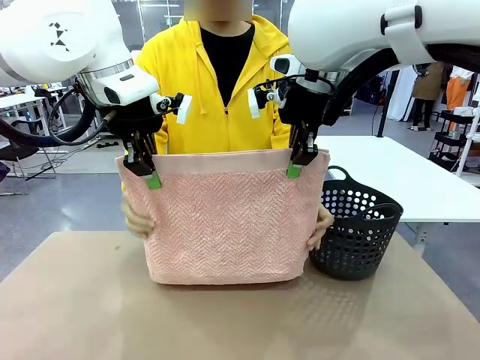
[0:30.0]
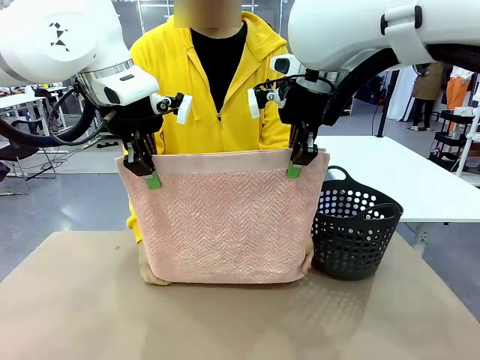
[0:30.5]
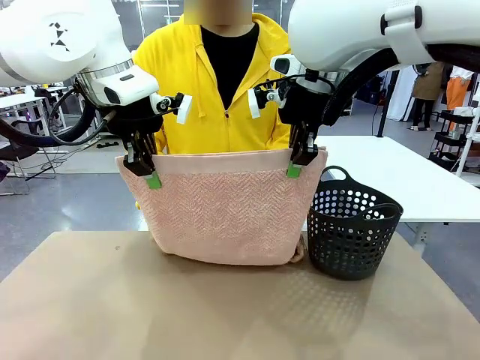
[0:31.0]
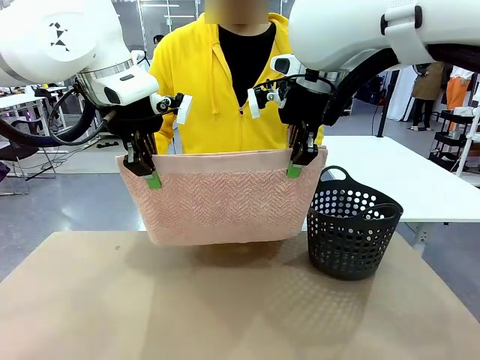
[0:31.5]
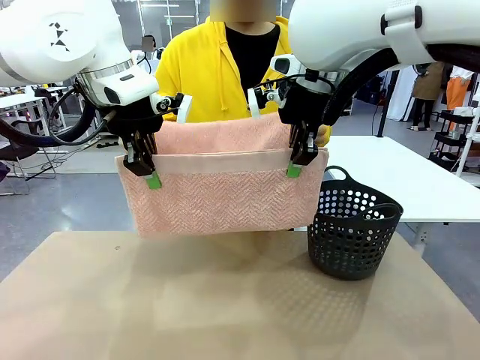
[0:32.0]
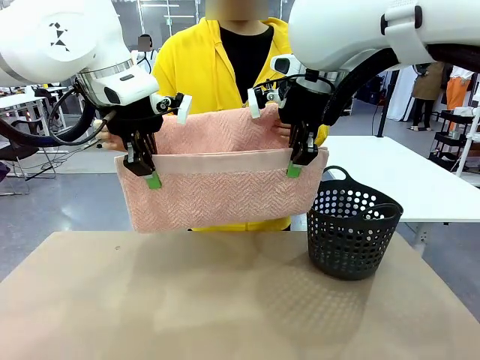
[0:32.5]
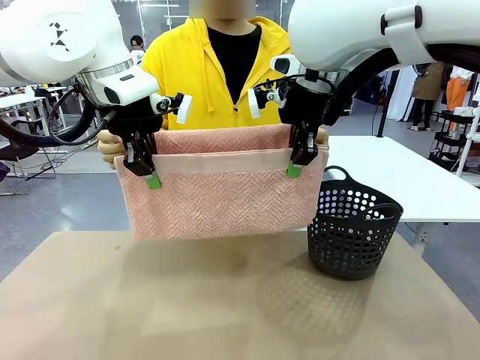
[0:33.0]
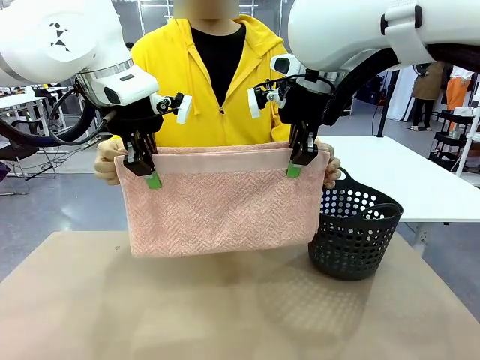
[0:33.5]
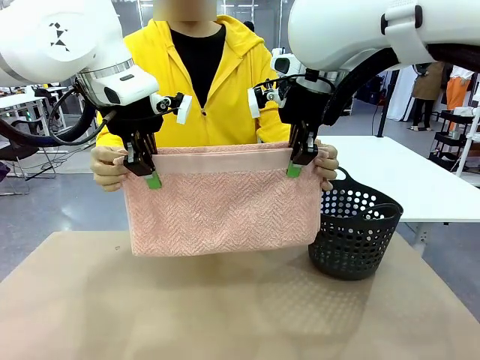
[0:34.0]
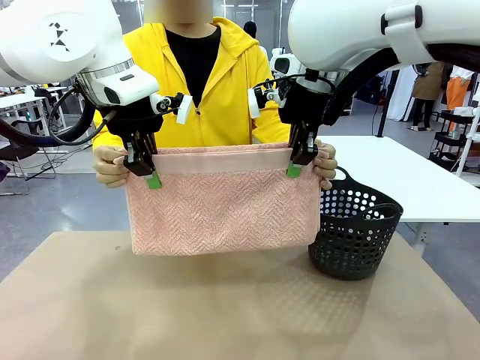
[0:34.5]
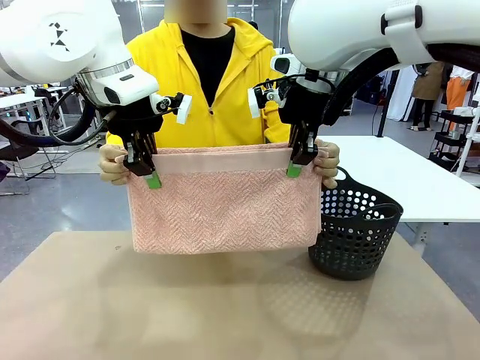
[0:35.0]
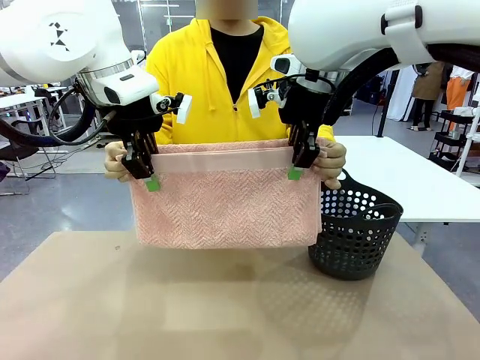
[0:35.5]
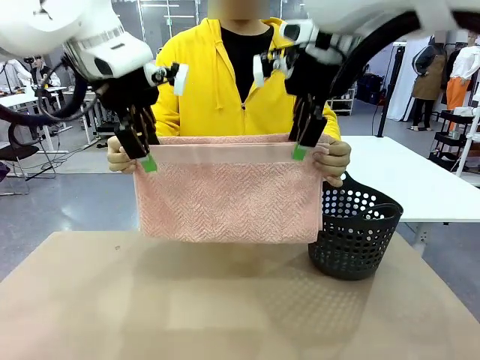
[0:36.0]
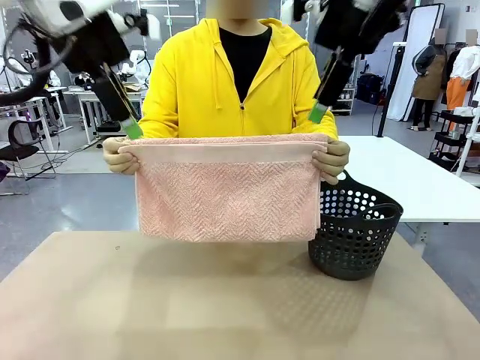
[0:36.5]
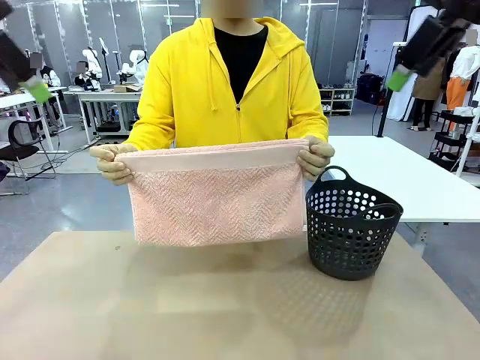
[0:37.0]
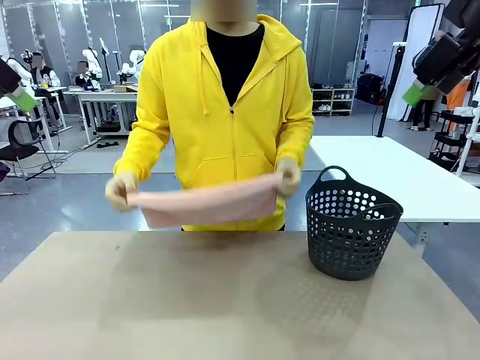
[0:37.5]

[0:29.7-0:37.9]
Task: Fold the towel.
Robot: Release the end of the 100 cm Hotel Towel you were holding.

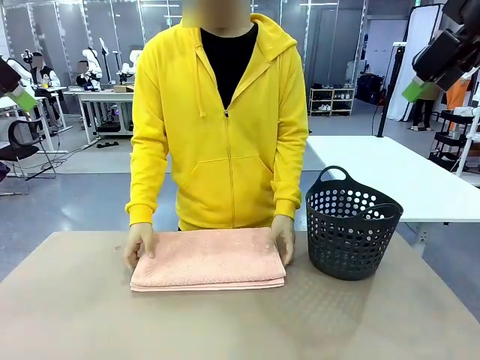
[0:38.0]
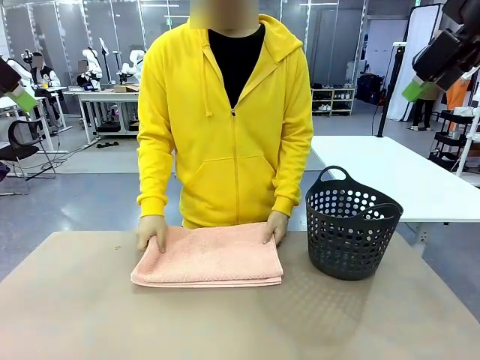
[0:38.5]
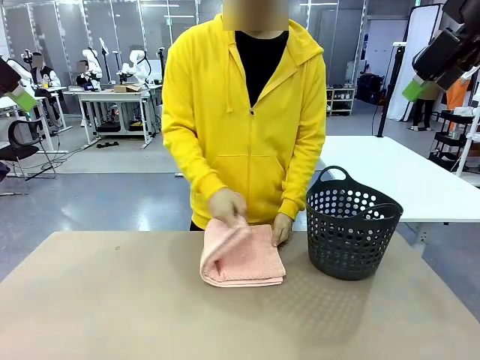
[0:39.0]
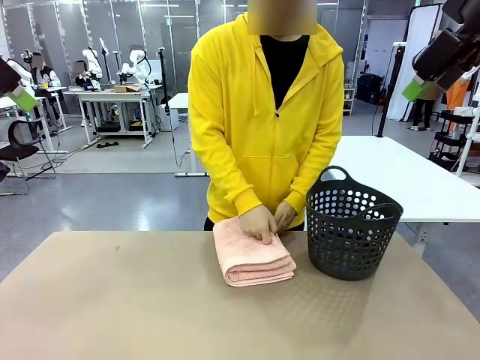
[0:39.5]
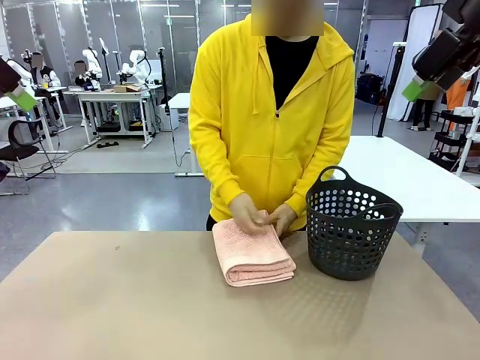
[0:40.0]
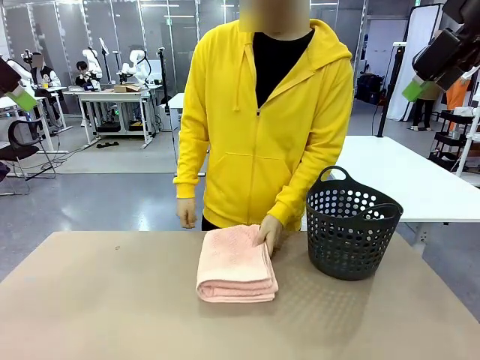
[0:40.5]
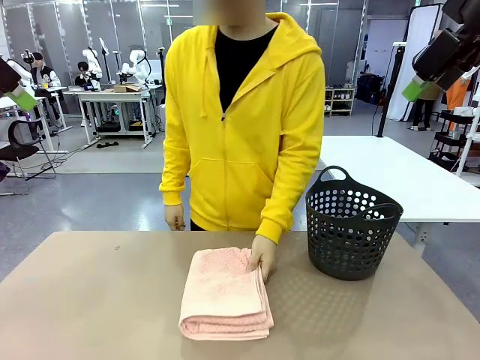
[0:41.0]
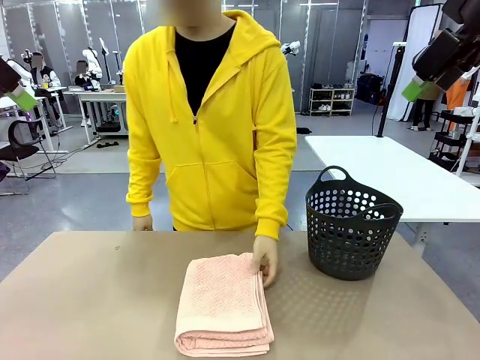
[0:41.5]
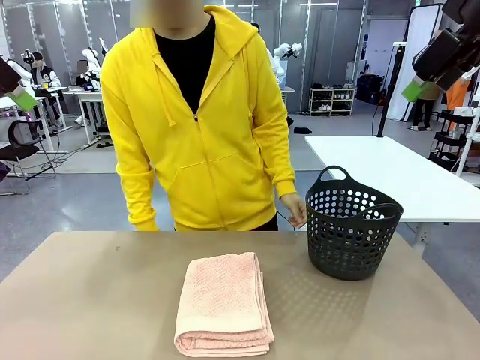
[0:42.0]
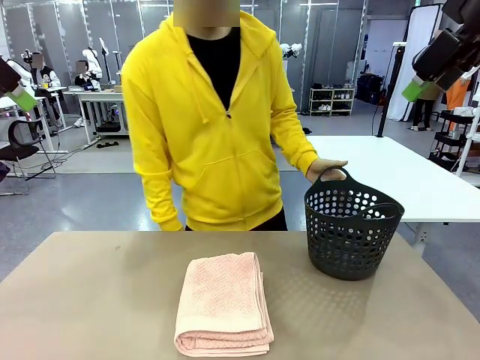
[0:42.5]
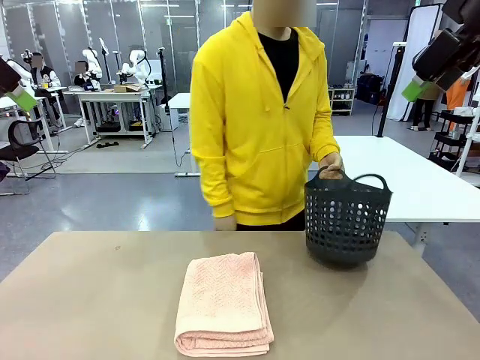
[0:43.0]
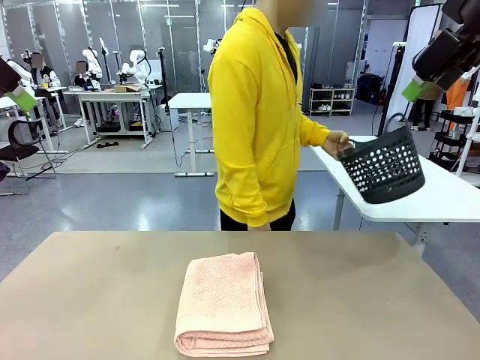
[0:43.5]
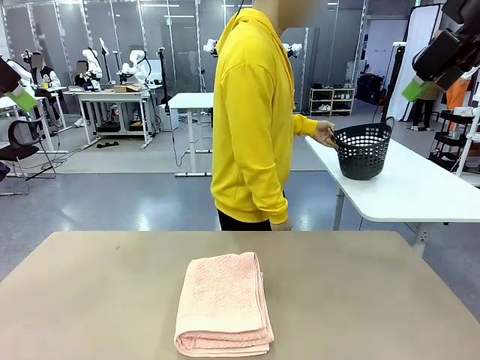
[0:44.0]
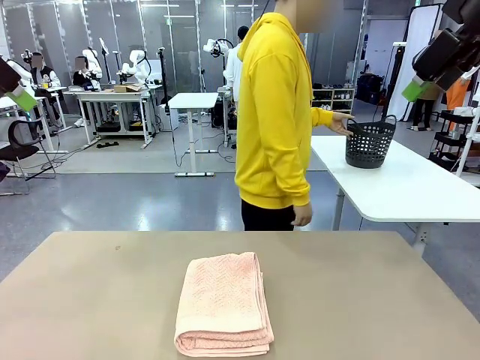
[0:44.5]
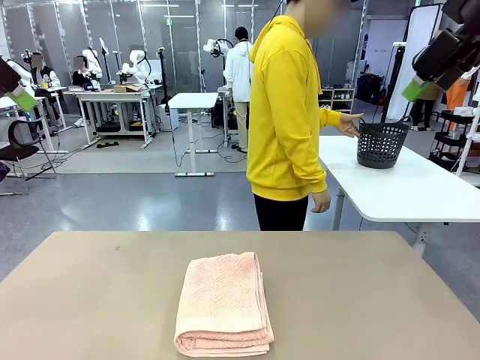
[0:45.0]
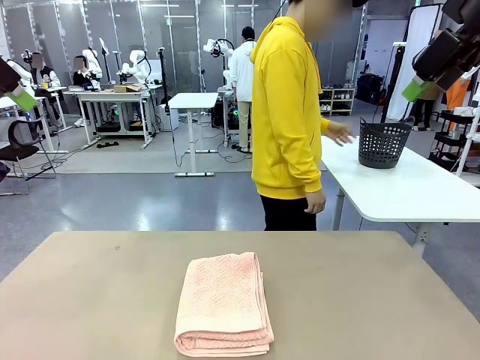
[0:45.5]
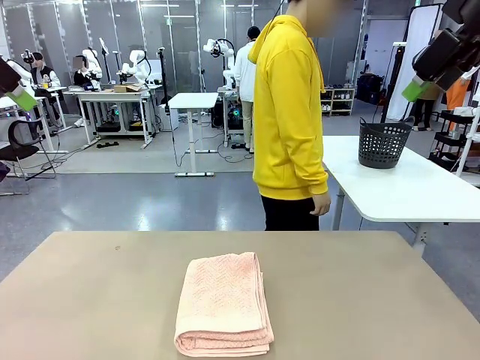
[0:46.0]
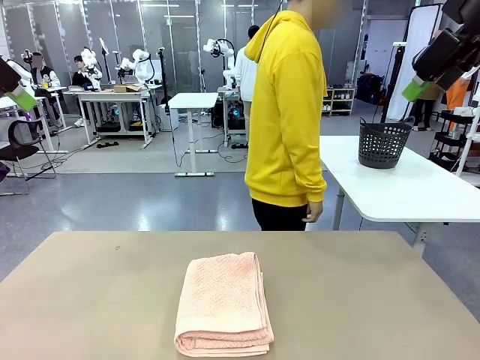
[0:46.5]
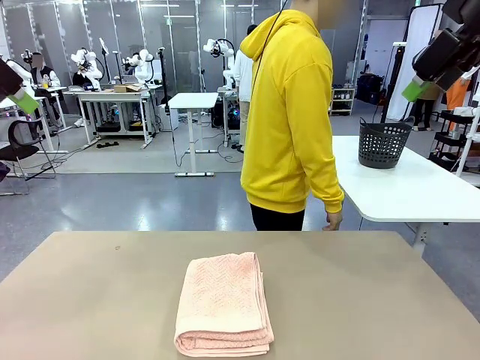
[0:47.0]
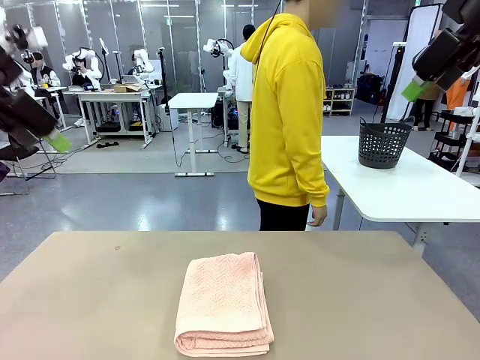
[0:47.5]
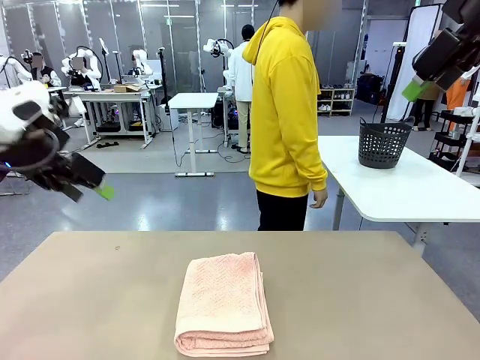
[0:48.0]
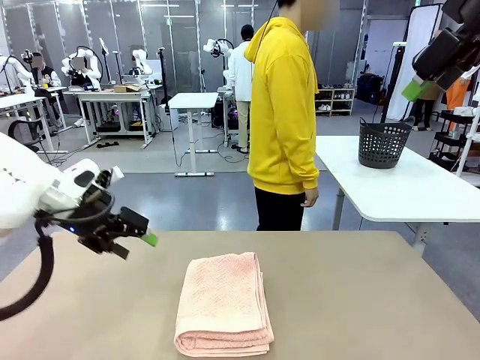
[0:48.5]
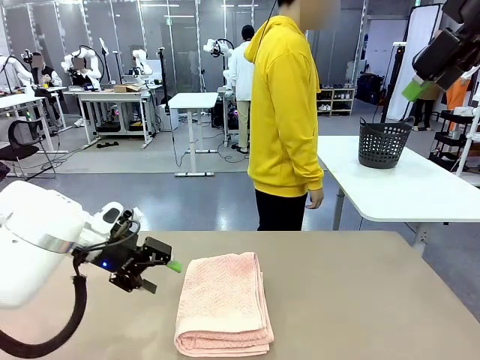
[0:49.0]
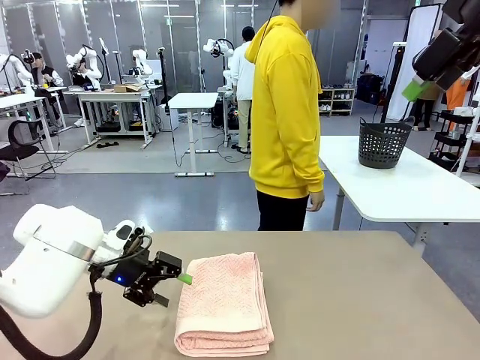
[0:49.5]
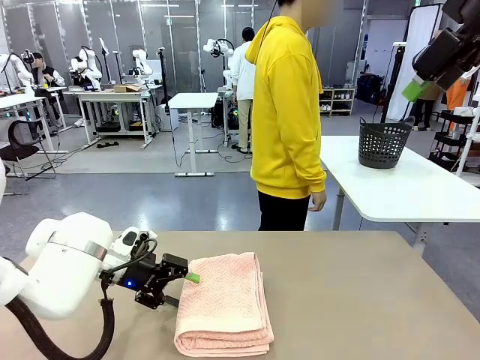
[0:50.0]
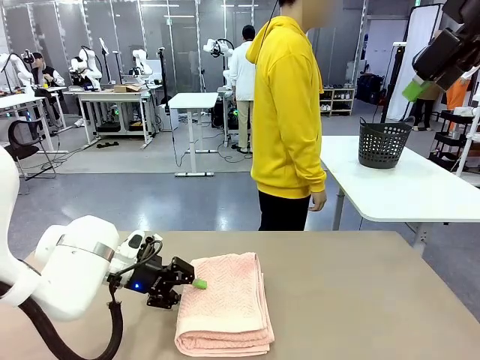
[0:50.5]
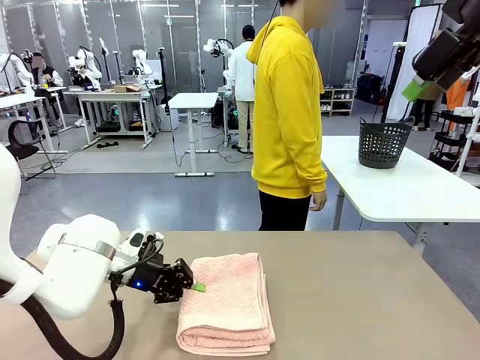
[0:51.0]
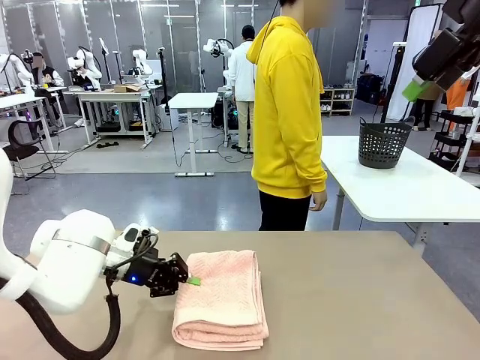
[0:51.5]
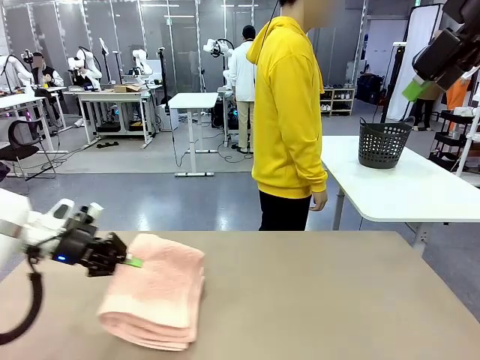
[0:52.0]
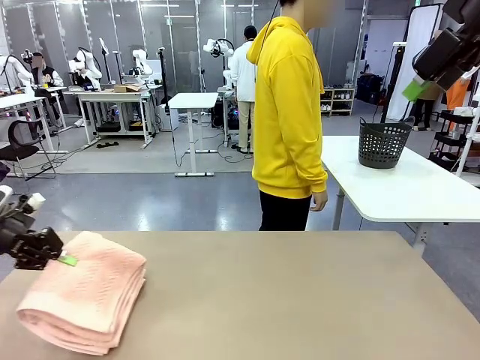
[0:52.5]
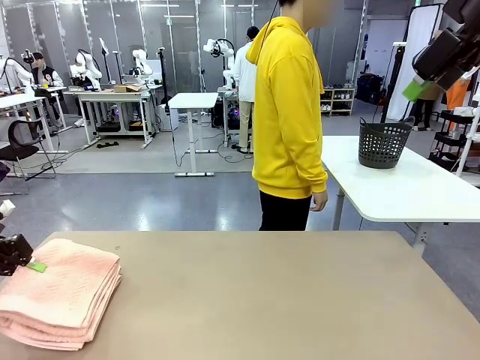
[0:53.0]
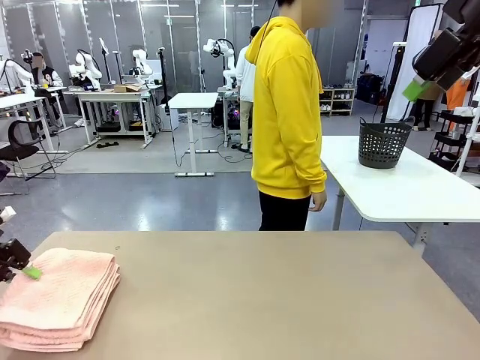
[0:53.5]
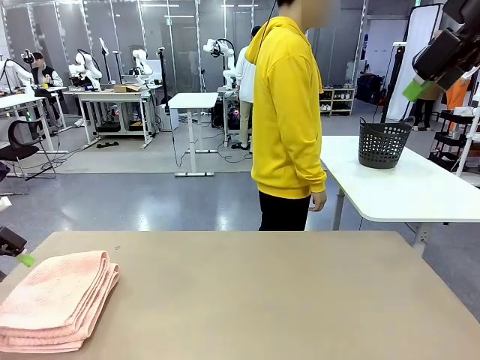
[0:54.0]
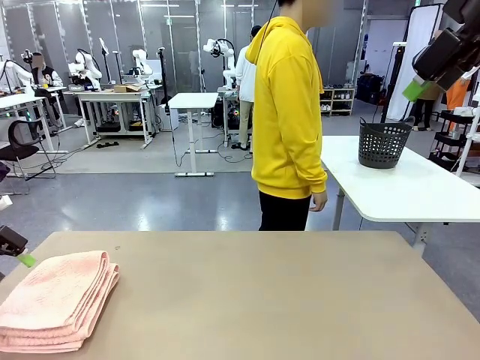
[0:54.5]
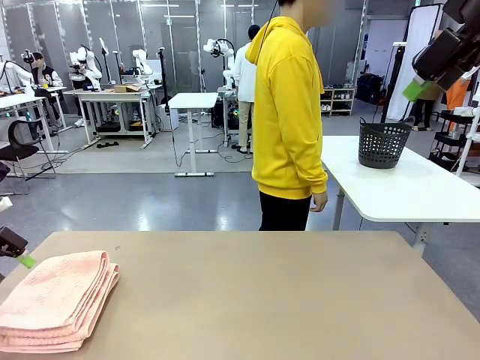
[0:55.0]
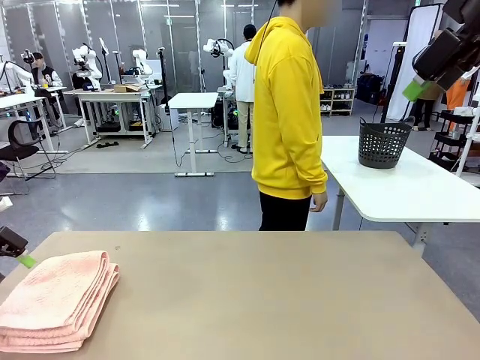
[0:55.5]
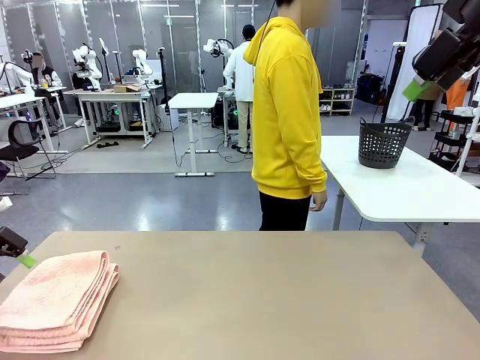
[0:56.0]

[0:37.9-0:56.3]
Robot: Pick up the 100 cm Hotel Towel and place it on the left side of the table.
Person: Place the towel at the center of the robot table and fold it in half. Pick up the laundry basket and place it at the center of the human table.
